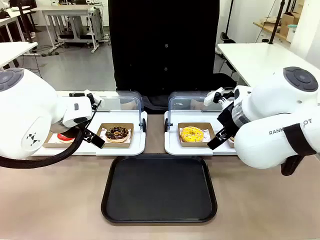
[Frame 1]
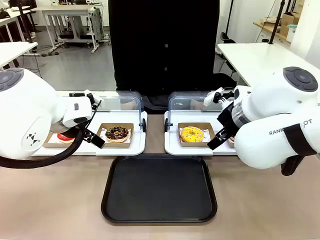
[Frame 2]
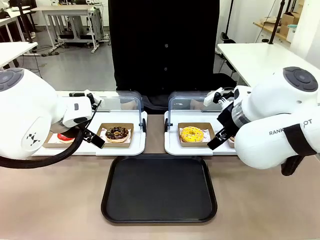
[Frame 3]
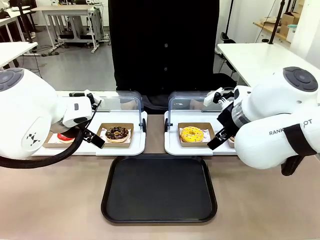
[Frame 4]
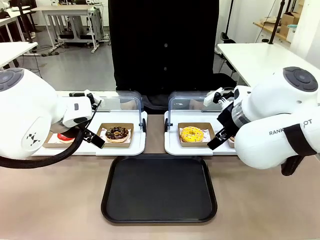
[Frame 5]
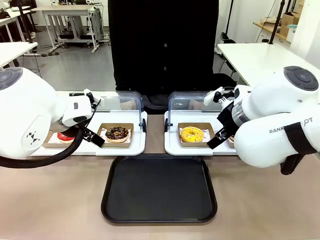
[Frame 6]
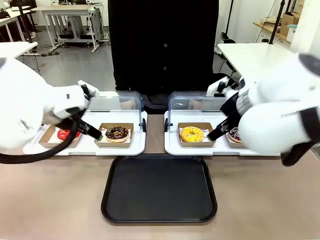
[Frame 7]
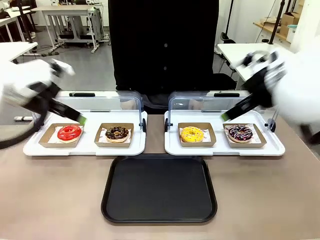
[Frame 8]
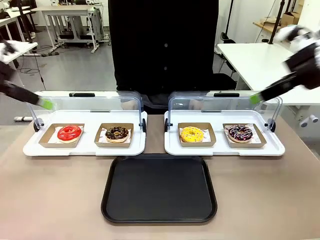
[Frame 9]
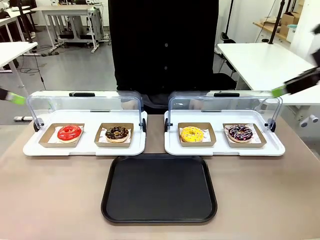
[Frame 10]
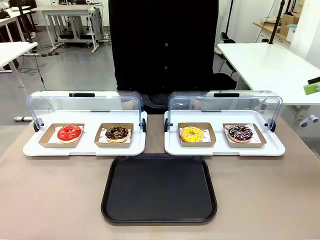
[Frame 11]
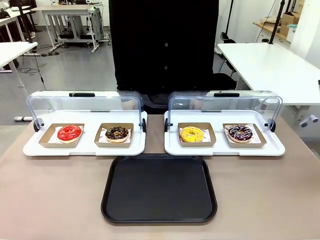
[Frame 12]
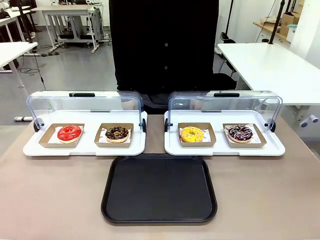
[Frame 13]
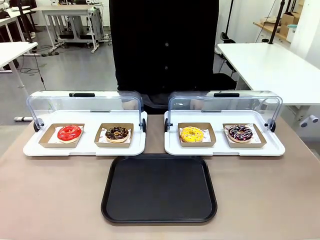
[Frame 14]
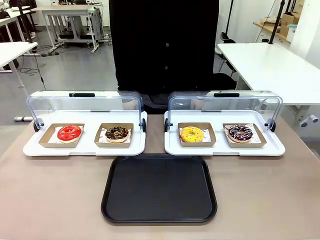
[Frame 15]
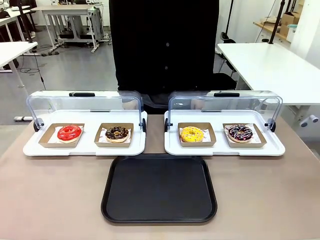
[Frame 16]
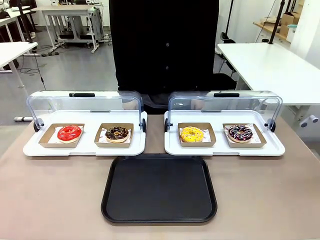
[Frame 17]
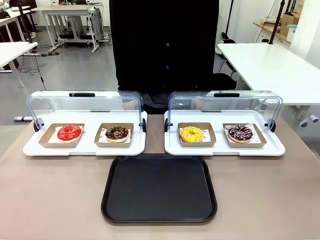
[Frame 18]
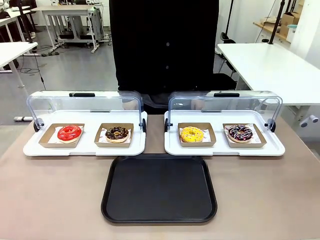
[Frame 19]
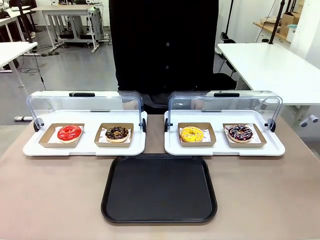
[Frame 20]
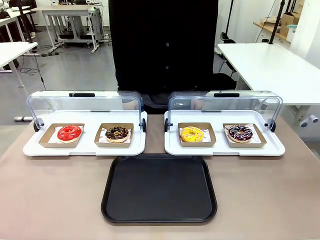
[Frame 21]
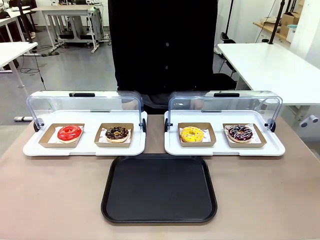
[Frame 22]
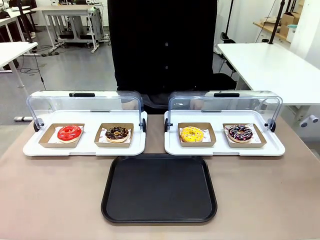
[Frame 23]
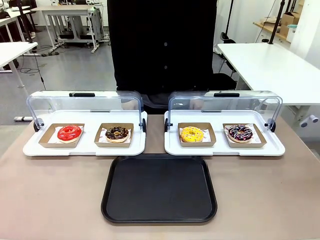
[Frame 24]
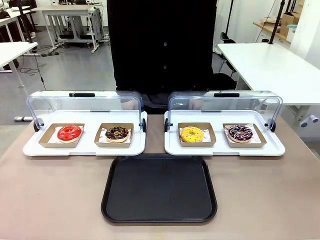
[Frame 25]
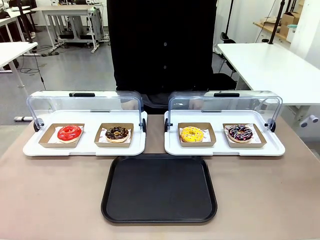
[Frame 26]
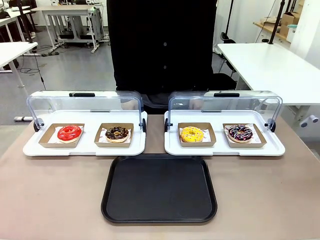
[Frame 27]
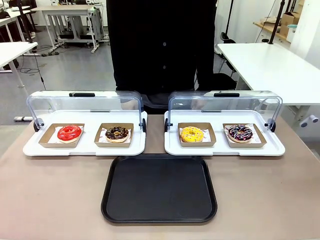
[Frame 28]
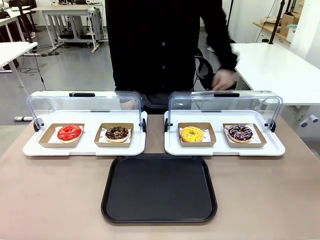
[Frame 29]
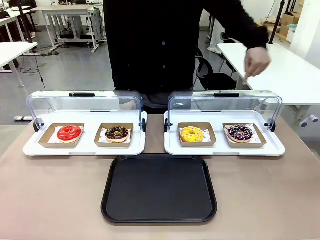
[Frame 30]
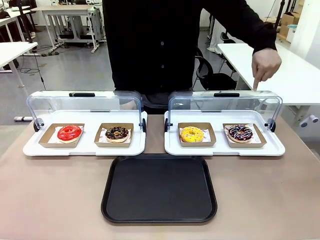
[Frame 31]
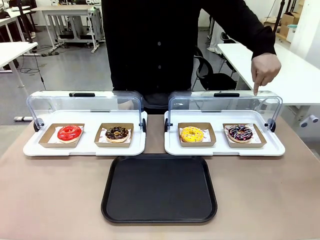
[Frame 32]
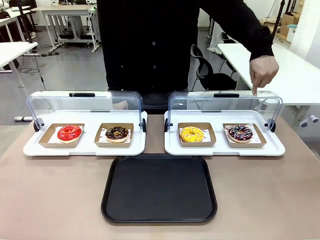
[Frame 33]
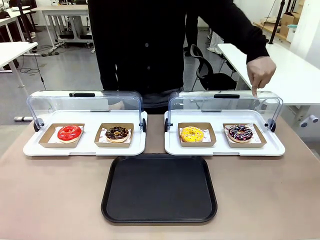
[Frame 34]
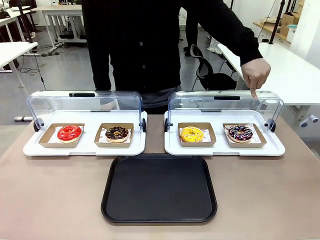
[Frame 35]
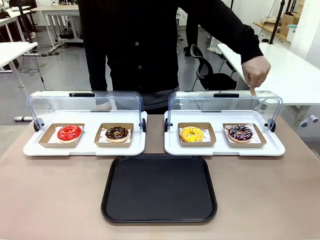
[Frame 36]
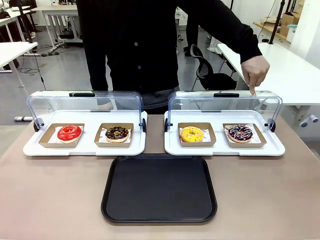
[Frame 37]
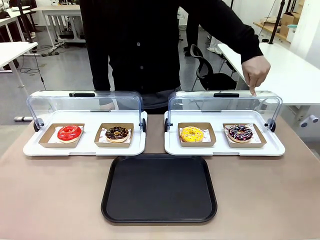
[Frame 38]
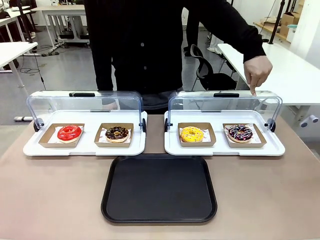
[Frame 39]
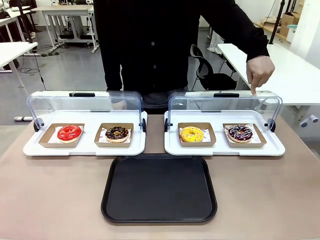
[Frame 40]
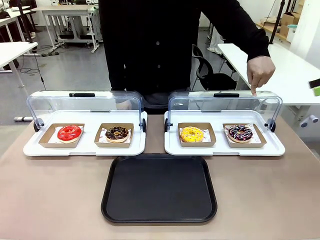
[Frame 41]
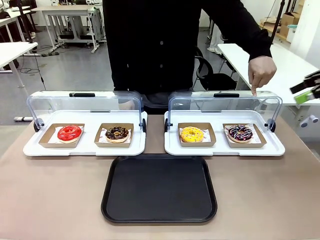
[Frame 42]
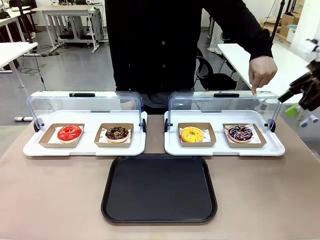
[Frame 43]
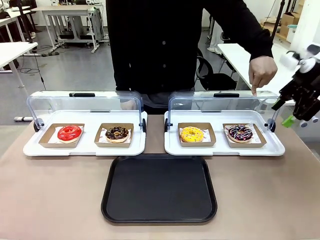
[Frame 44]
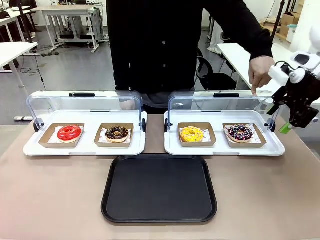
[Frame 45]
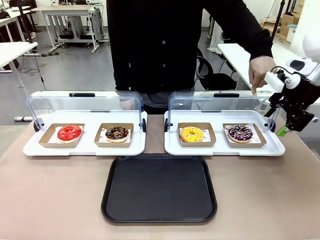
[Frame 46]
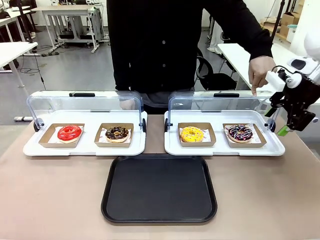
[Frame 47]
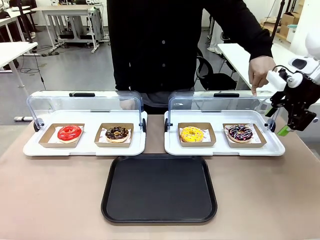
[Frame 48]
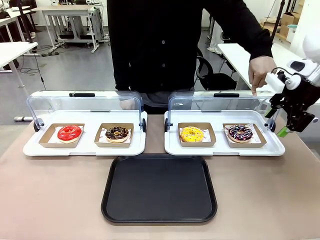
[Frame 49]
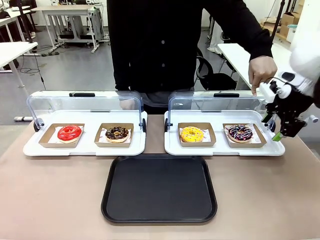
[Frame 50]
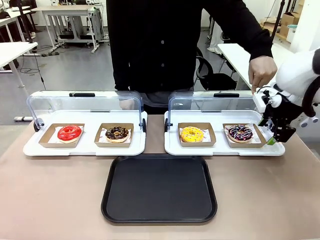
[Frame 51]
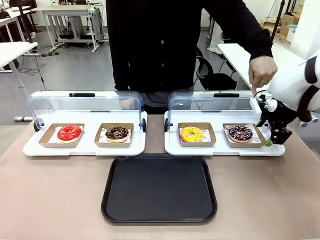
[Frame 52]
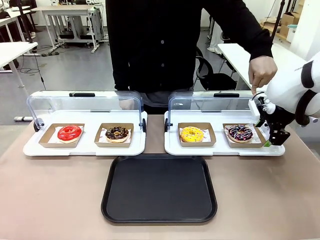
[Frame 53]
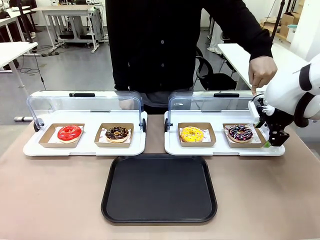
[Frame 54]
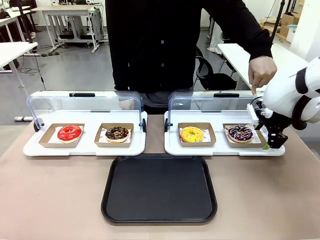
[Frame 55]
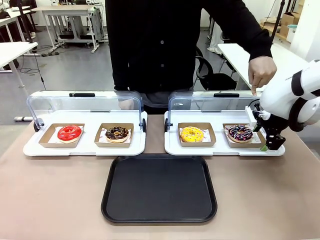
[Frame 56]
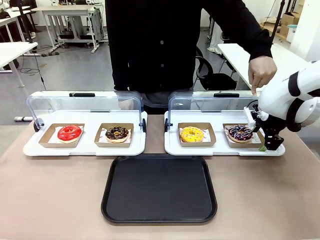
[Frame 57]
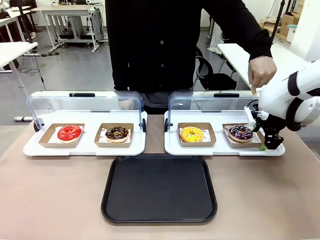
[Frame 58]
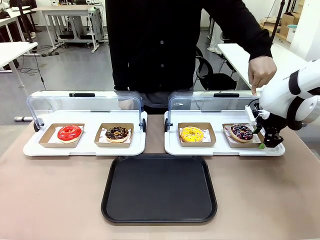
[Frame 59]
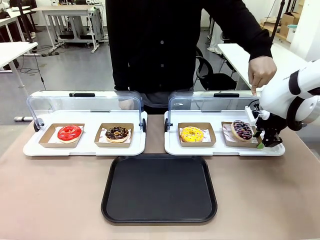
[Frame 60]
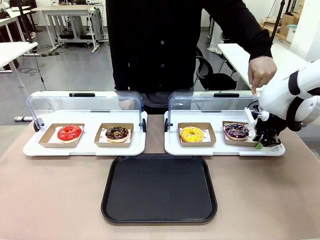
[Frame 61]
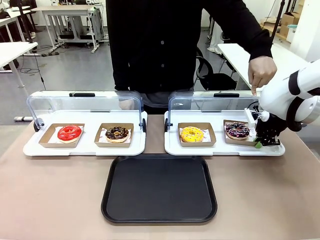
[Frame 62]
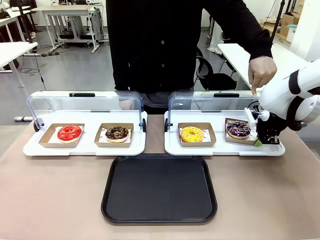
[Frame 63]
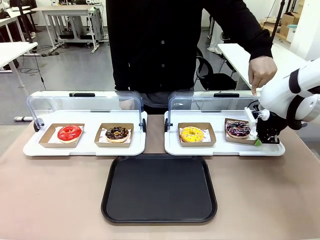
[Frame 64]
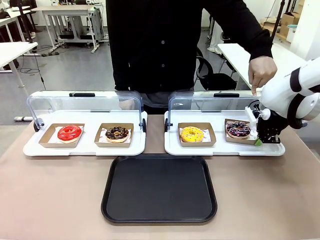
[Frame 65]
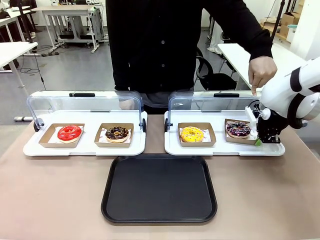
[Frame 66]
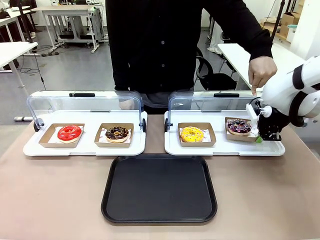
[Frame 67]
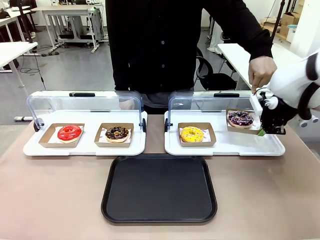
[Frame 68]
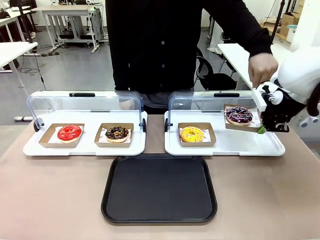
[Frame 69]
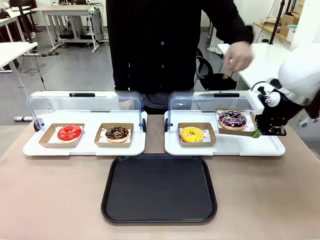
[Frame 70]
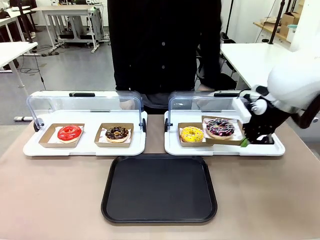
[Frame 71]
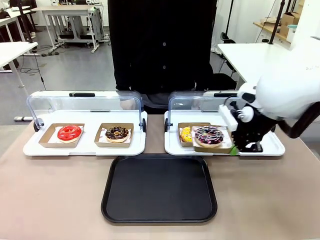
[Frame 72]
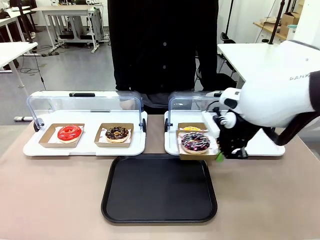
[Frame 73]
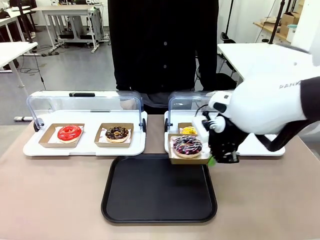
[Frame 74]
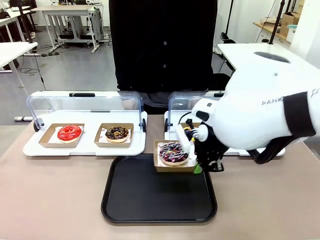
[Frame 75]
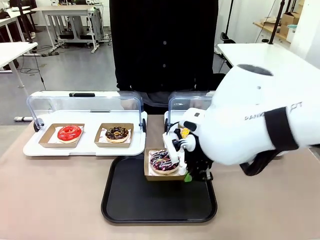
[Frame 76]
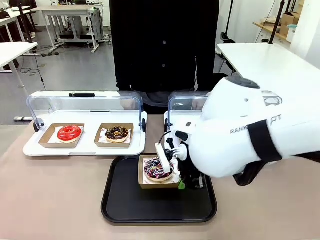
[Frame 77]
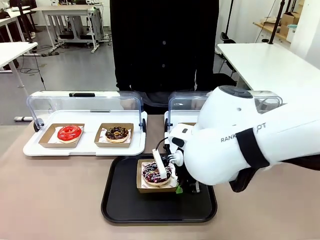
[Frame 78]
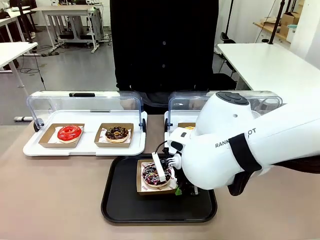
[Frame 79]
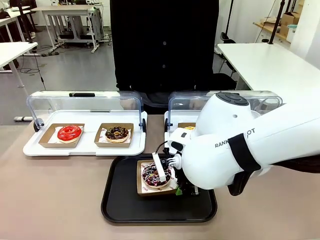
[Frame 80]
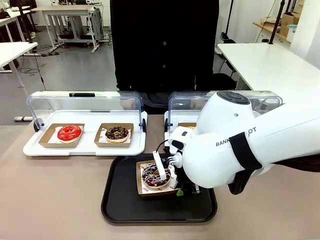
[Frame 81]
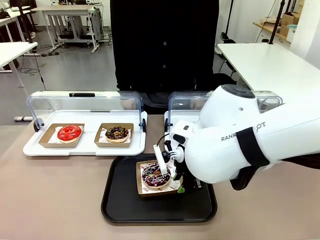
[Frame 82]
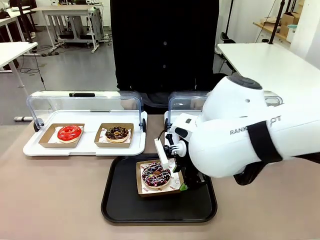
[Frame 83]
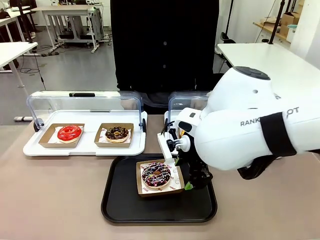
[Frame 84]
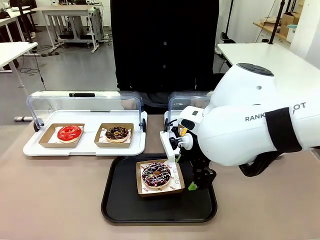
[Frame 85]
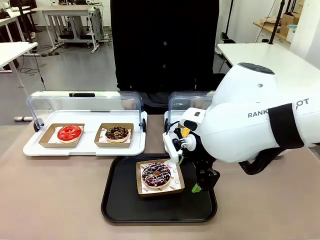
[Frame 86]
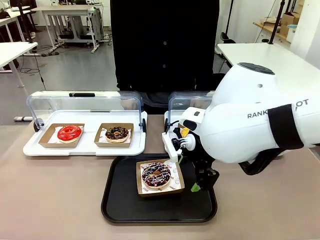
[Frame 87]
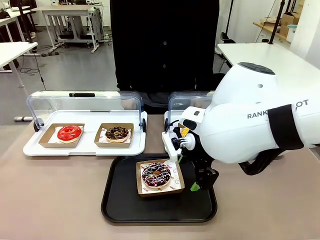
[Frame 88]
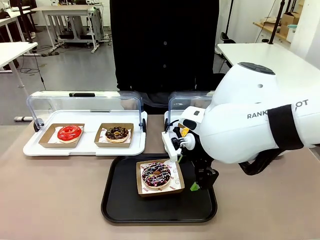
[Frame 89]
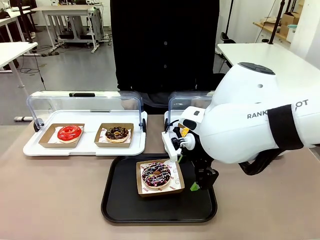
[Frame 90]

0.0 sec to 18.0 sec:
Task: Move the fourth donut from the left to the tray.
Robot: Pick up the Paper togo box containing the Donut indicated by the person and place it on the Handle tray.
Person: Points to the fourth donut from the left from the robot’s perspective.
